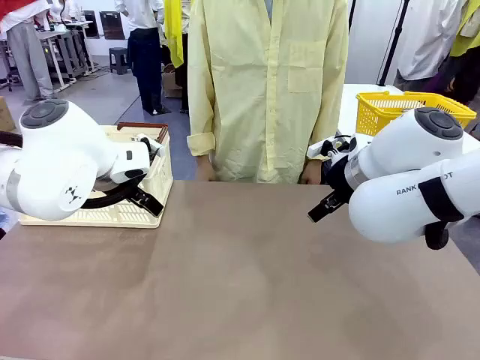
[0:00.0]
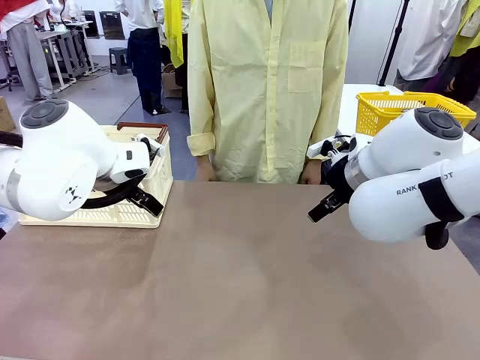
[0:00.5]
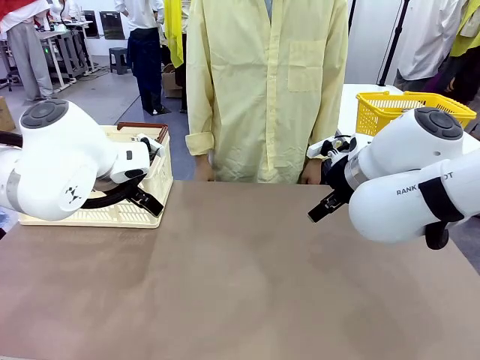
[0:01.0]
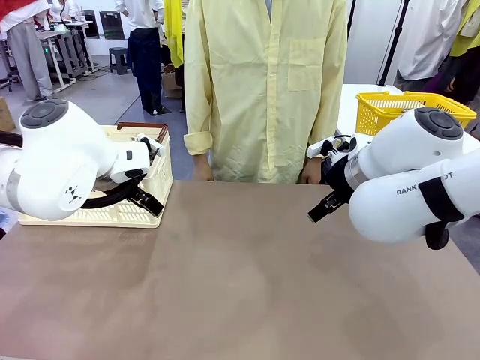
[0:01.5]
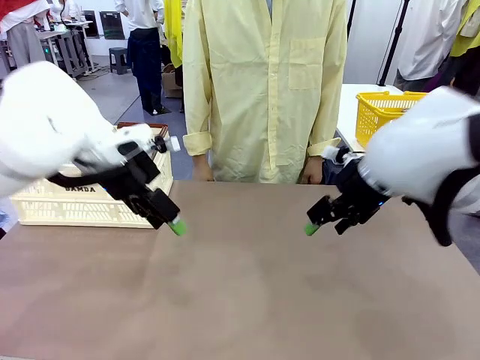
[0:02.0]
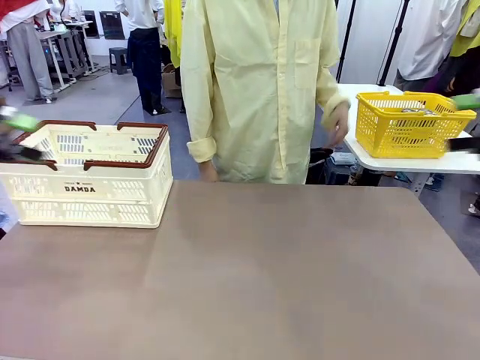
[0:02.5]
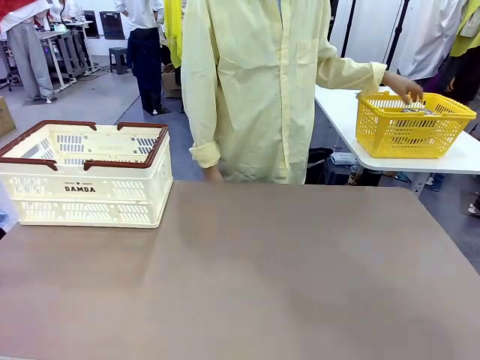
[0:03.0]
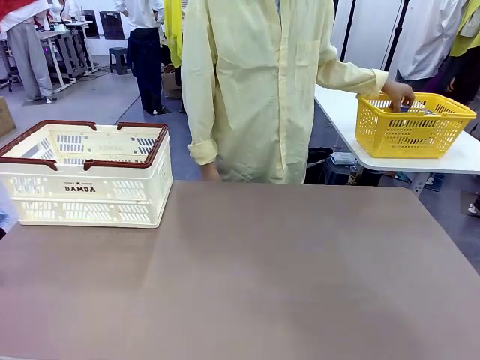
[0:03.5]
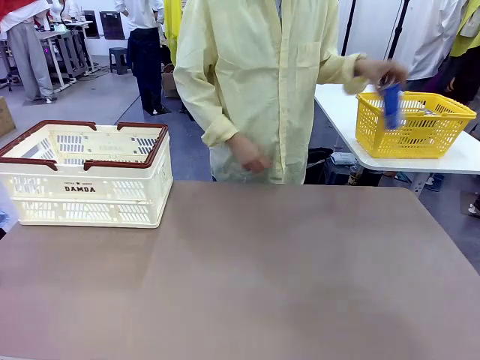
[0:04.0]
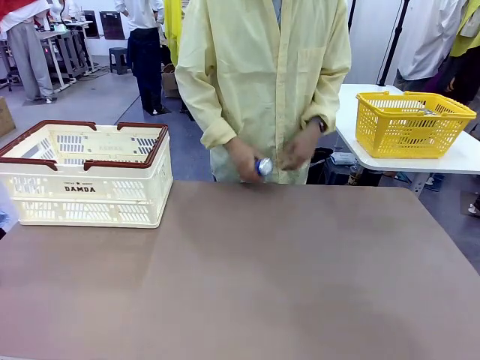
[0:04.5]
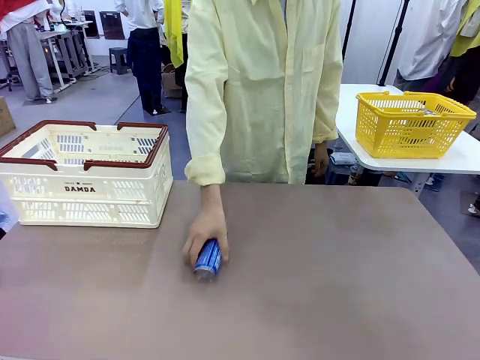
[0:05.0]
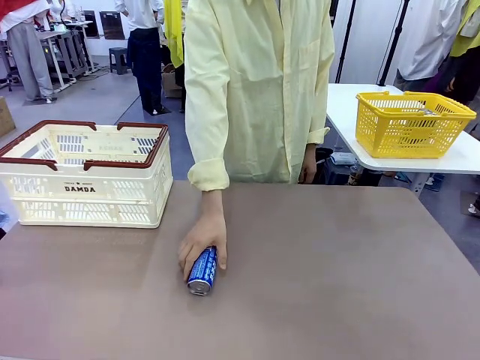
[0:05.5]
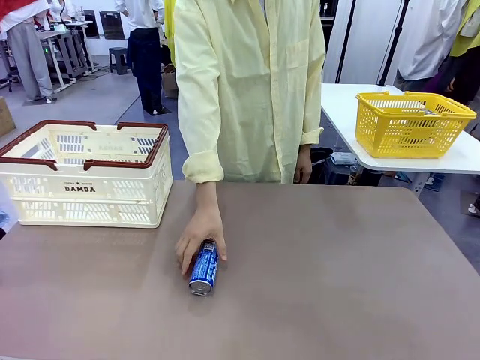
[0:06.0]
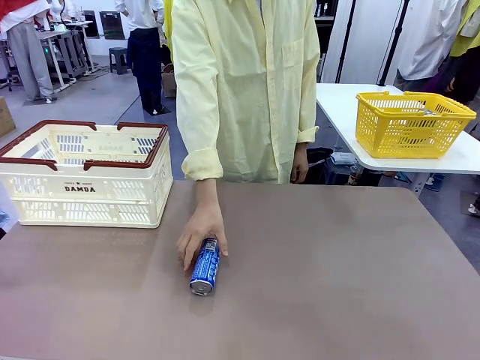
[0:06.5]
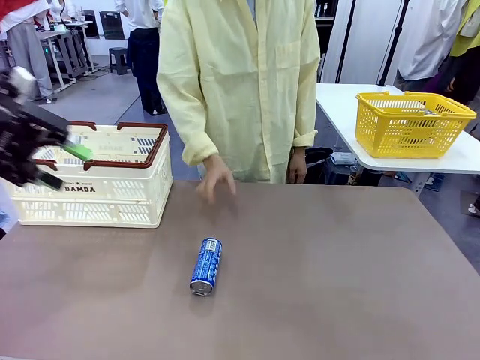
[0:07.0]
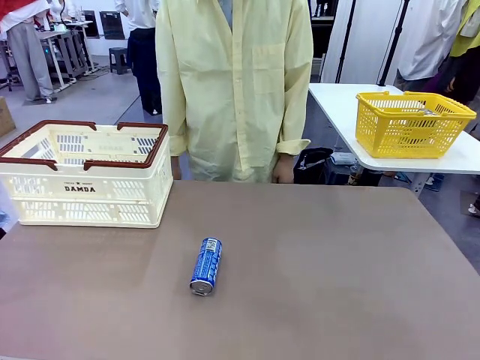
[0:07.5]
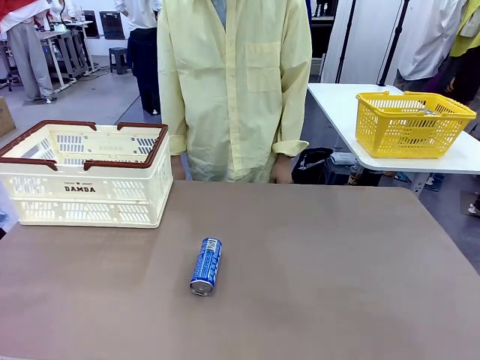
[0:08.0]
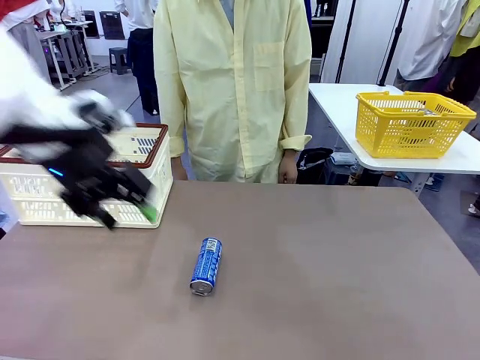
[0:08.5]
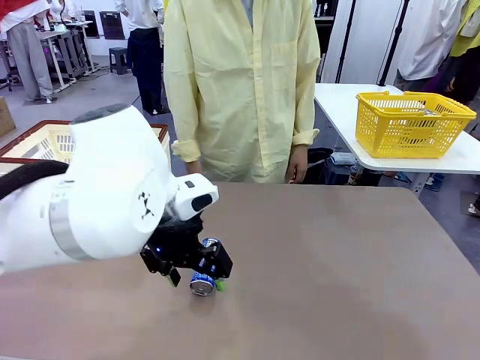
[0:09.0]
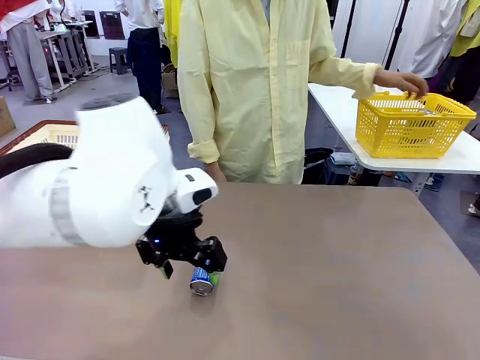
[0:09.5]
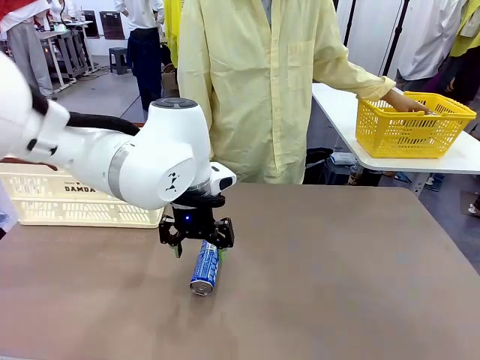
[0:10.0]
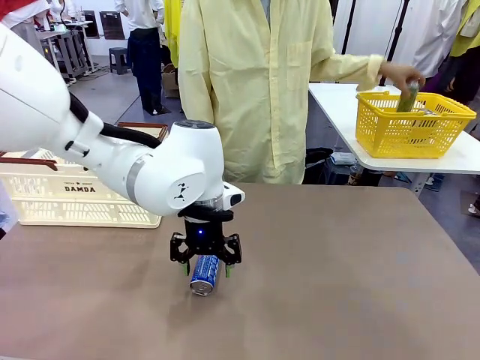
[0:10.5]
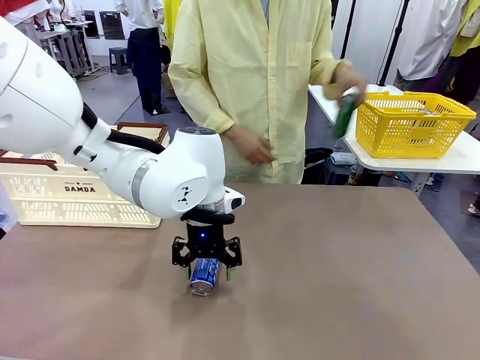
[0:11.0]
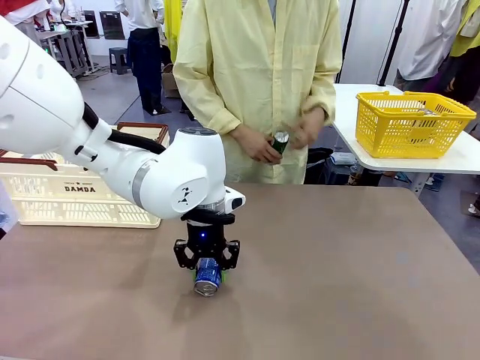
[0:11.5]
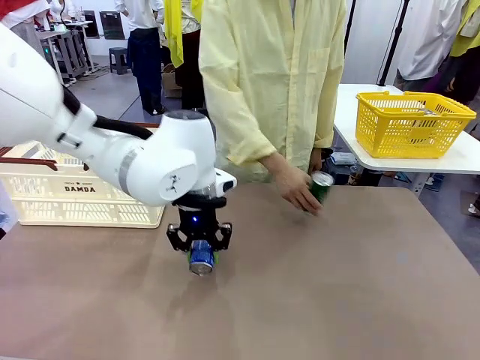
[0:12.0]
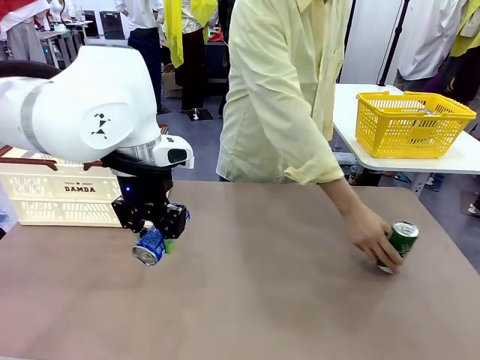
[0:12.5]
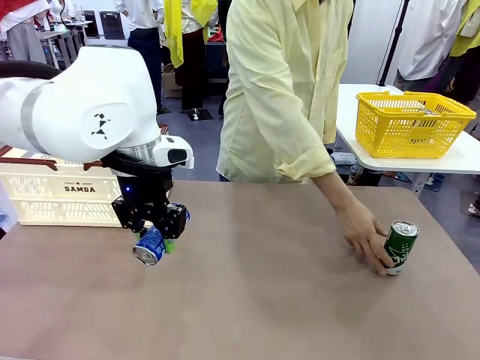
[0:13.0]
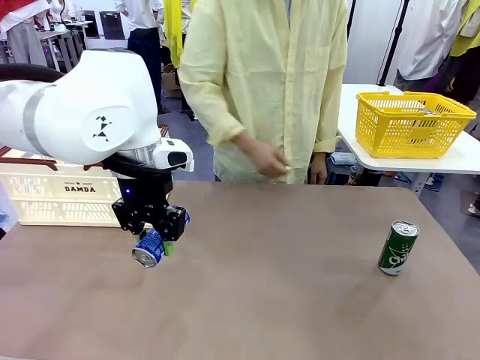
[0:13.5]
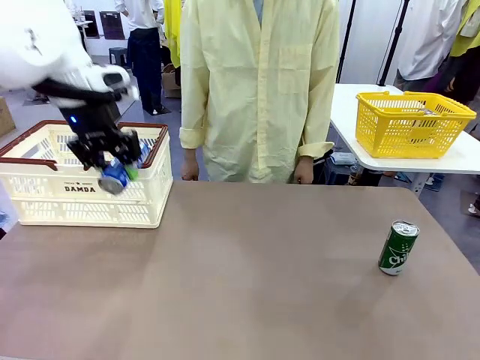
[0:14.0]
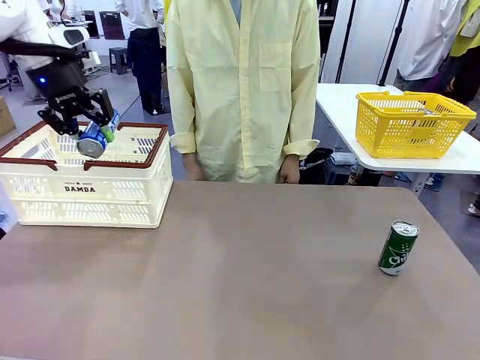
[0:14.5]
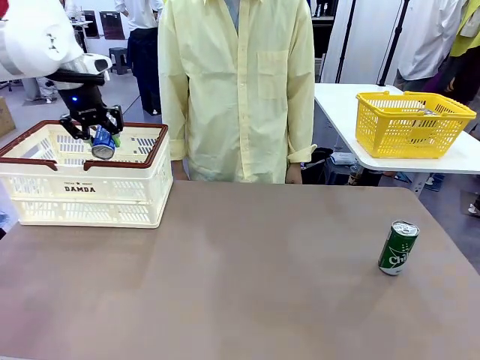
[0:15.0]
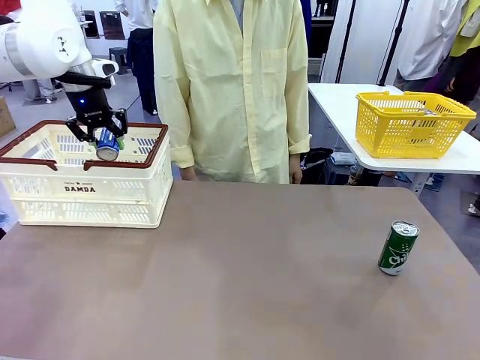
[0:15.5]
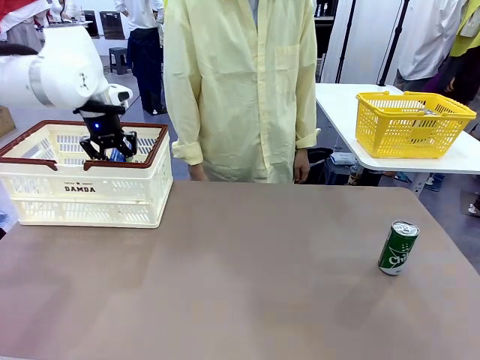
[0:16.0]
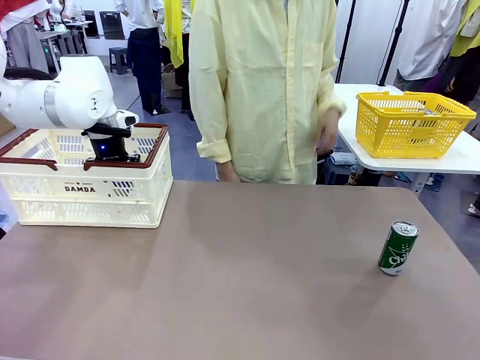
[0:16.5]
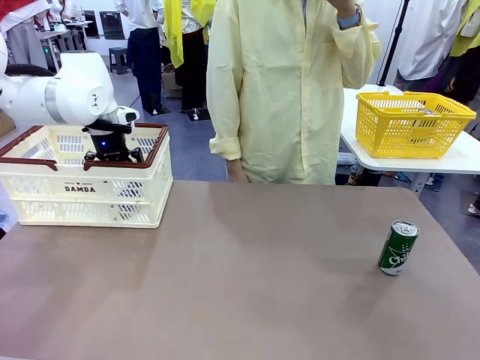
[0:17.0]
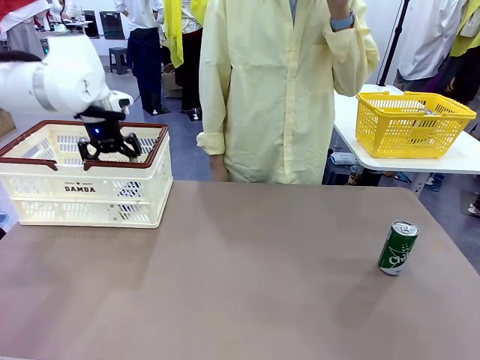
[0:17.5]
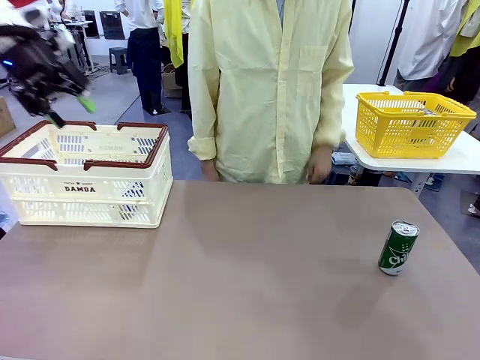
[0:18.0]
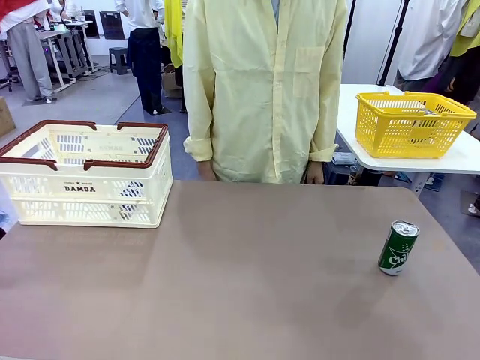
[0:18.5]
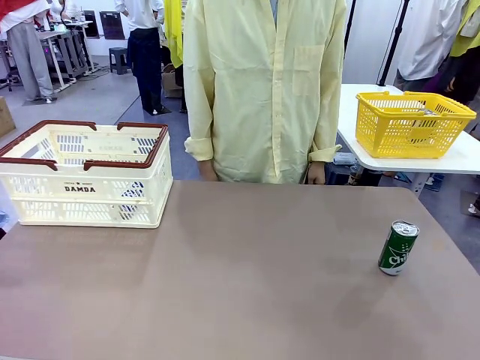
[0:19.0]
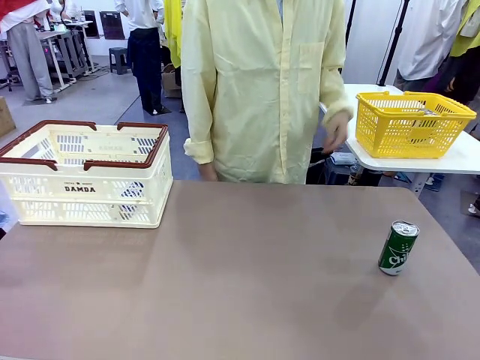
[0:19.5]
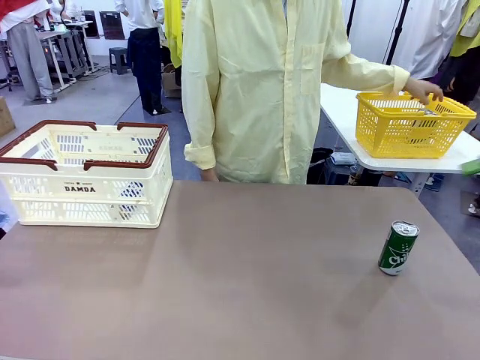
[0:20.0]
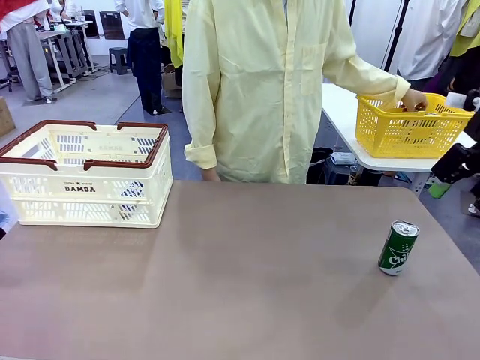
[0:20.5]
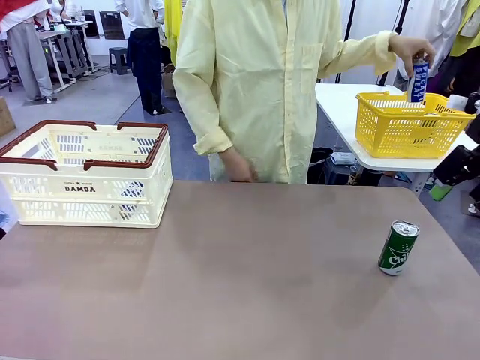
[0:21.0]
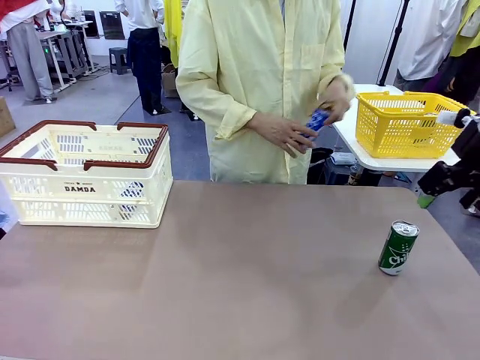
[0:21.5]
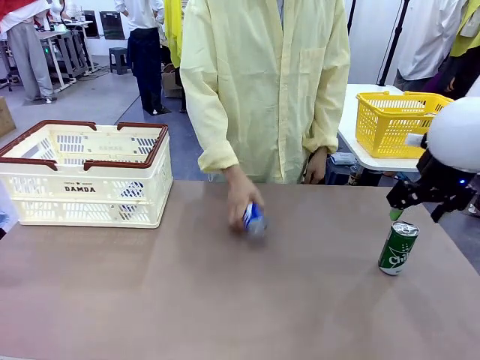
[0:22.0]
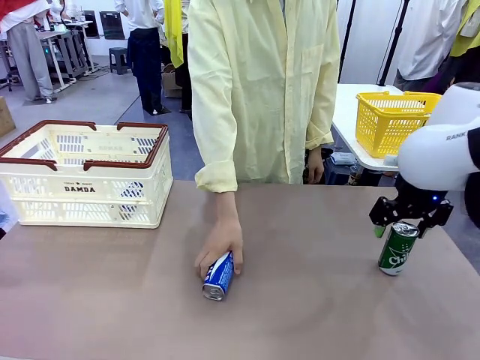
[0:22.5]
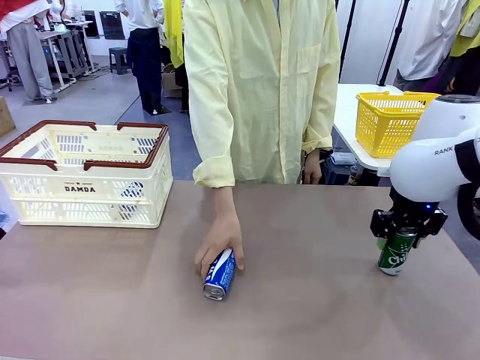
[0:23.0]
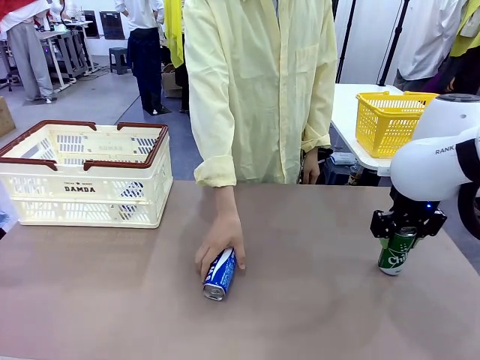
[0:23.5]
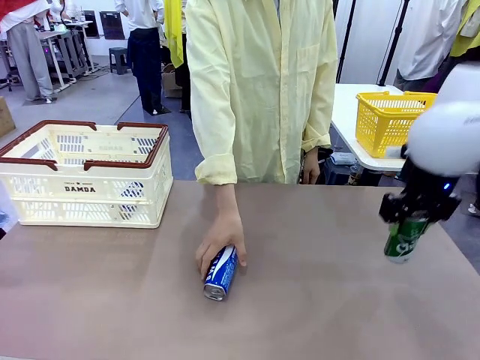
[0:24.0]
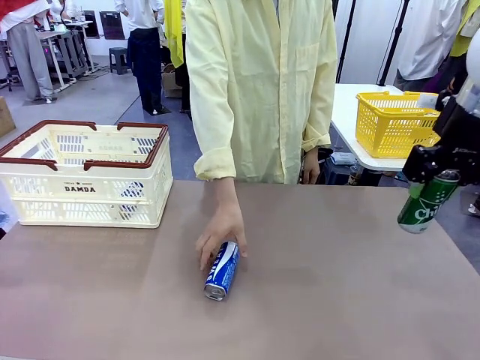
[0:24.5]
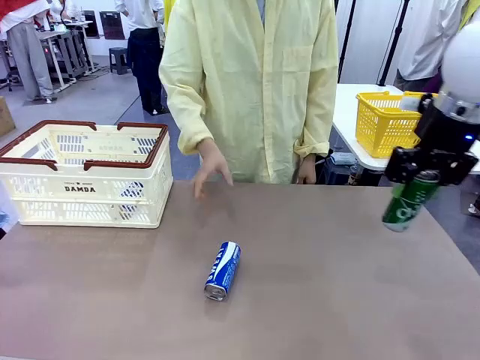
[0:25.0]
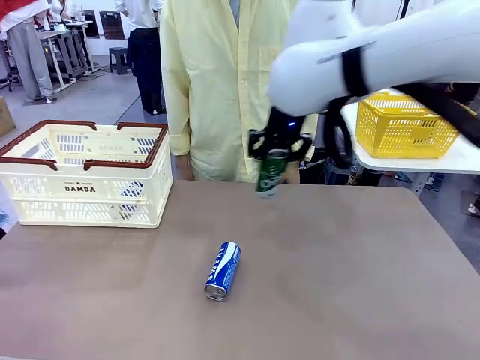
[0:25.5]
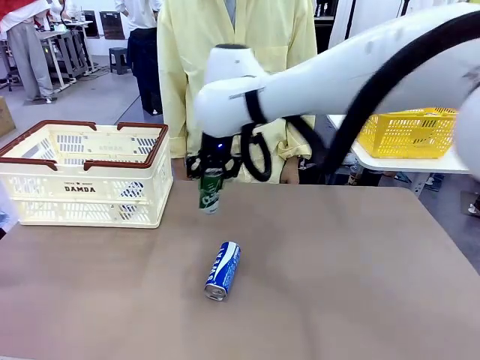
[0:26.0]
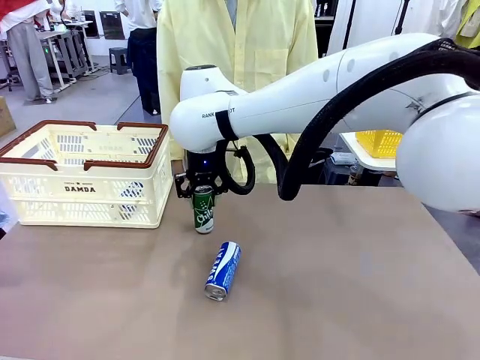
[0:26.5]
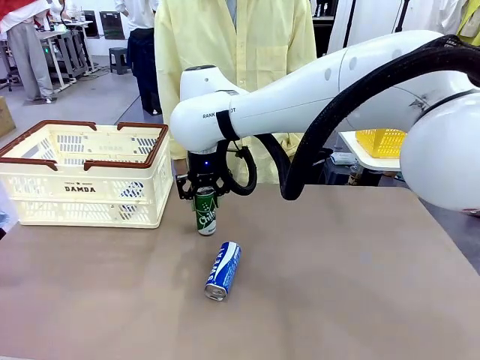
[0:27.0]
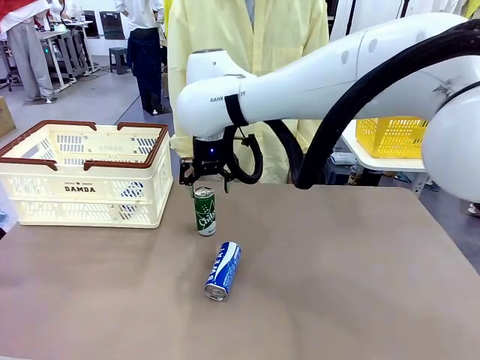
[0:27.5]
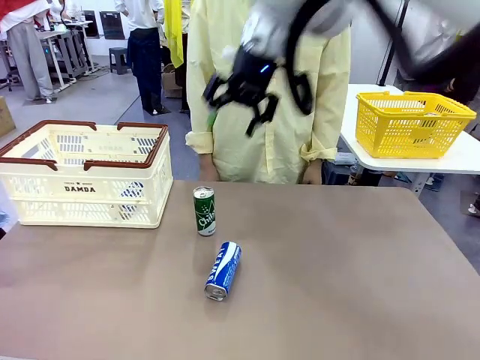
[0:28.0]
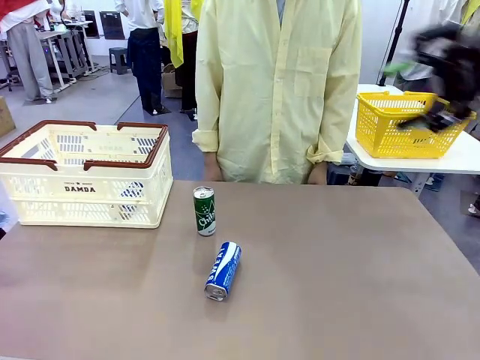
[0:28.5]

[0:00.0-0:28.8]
Task: Place the drinks into the Shopping basket.
Robot: Pick up one drink and place it into the Shopping basket.
